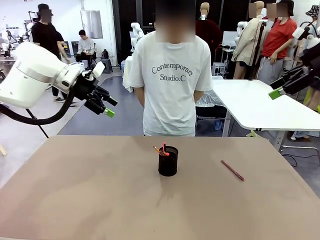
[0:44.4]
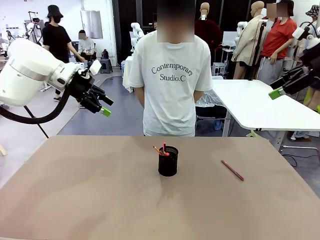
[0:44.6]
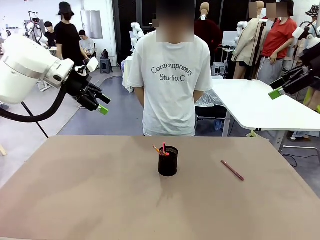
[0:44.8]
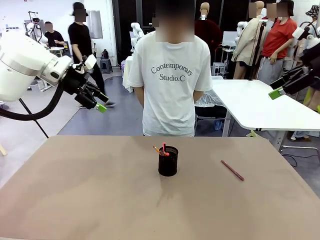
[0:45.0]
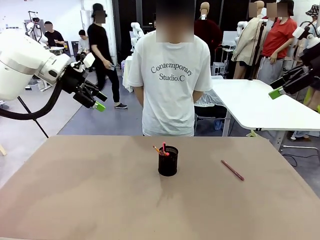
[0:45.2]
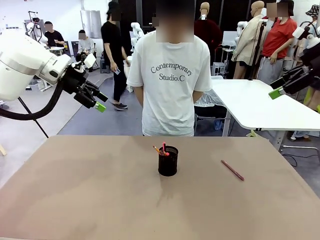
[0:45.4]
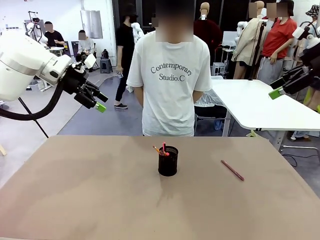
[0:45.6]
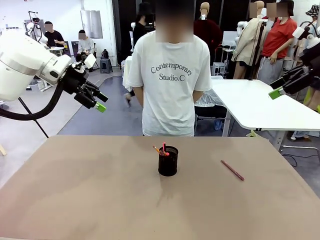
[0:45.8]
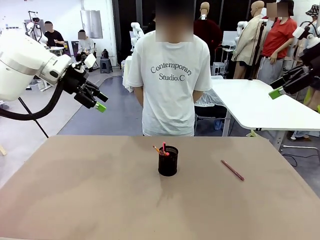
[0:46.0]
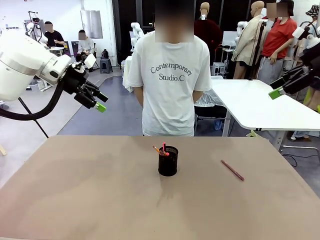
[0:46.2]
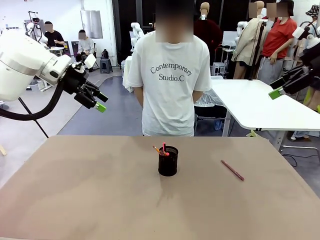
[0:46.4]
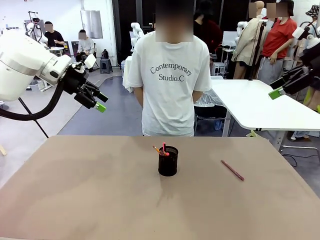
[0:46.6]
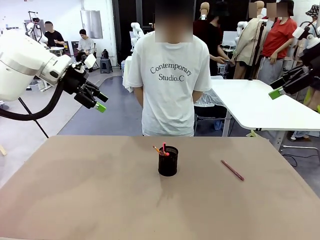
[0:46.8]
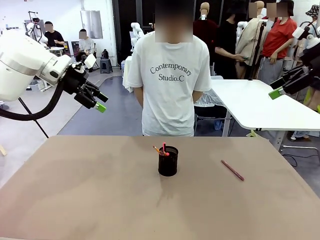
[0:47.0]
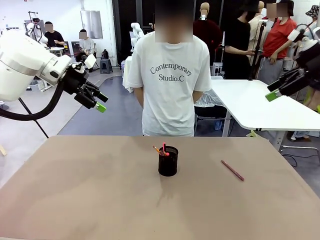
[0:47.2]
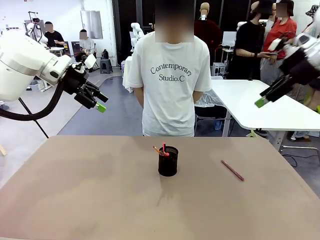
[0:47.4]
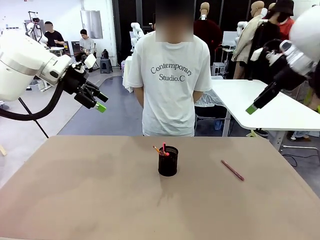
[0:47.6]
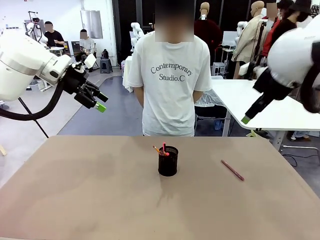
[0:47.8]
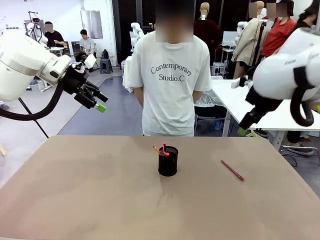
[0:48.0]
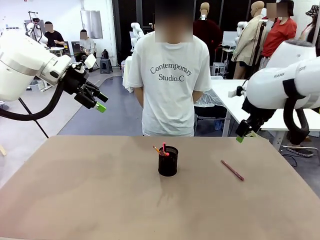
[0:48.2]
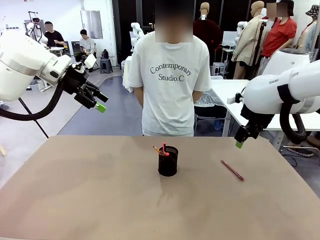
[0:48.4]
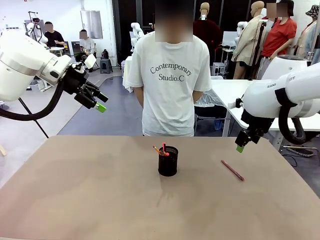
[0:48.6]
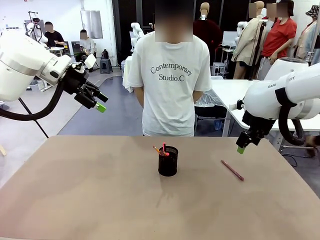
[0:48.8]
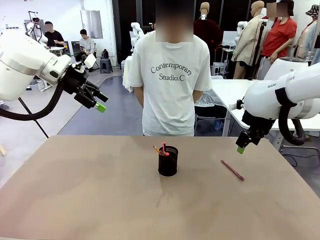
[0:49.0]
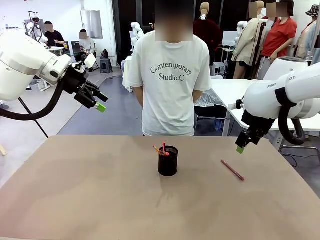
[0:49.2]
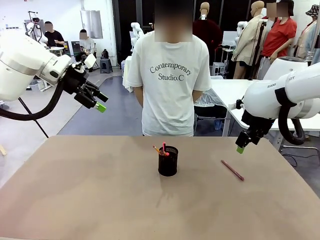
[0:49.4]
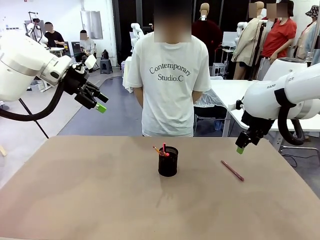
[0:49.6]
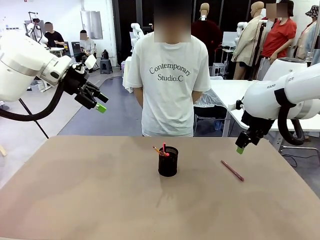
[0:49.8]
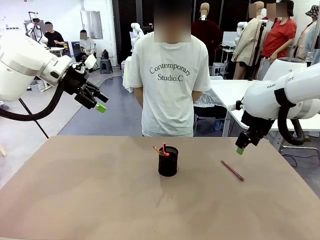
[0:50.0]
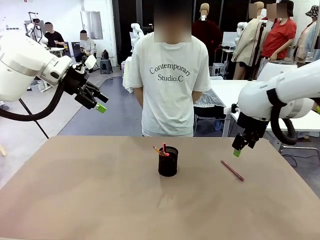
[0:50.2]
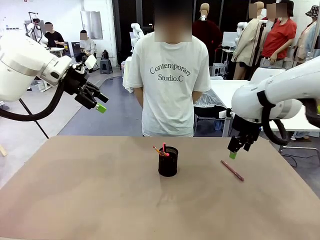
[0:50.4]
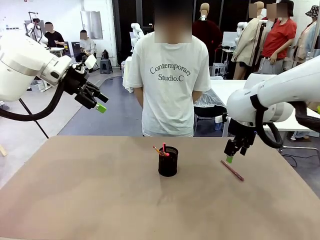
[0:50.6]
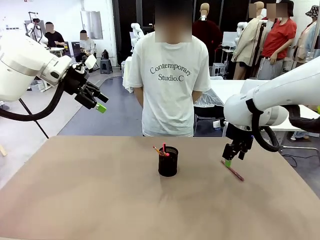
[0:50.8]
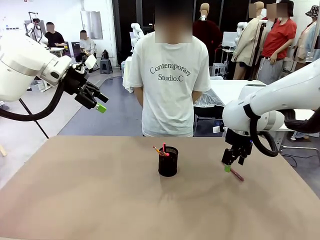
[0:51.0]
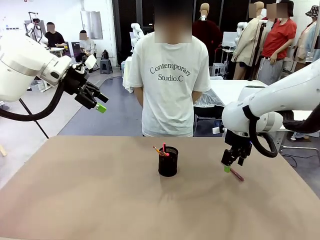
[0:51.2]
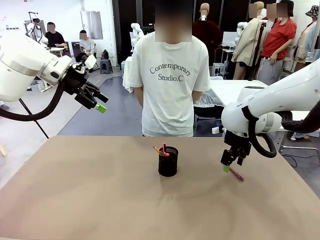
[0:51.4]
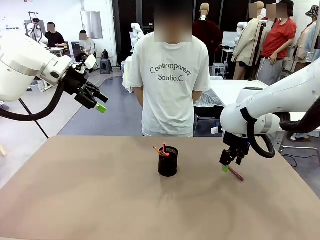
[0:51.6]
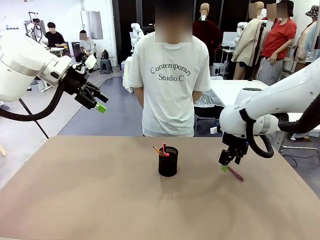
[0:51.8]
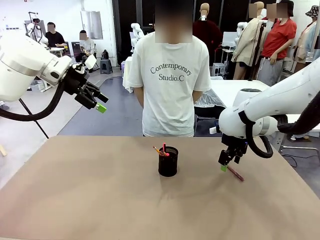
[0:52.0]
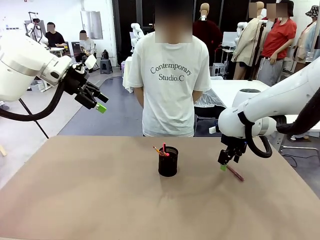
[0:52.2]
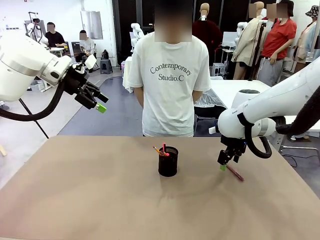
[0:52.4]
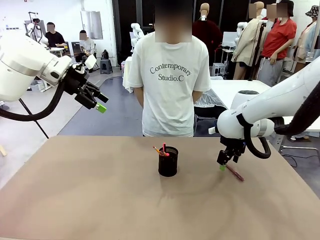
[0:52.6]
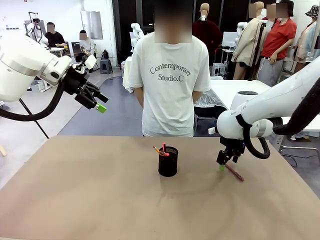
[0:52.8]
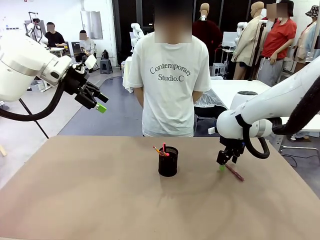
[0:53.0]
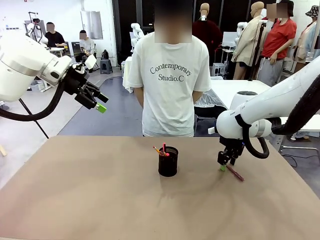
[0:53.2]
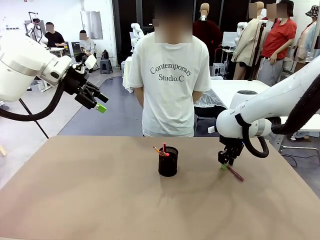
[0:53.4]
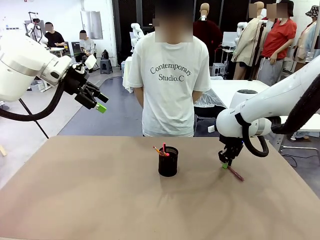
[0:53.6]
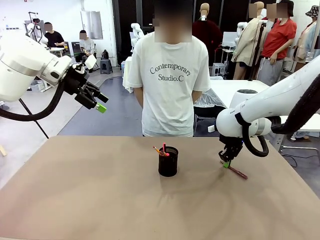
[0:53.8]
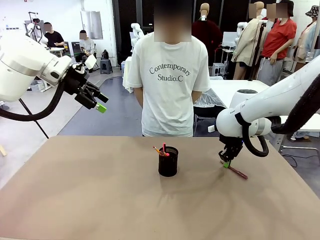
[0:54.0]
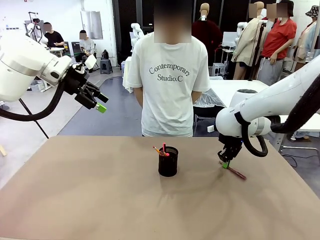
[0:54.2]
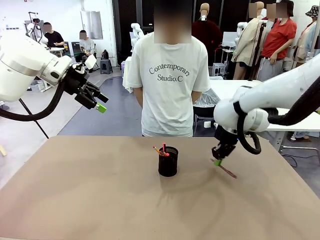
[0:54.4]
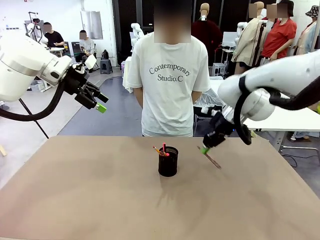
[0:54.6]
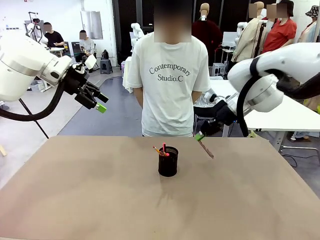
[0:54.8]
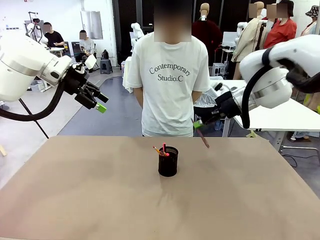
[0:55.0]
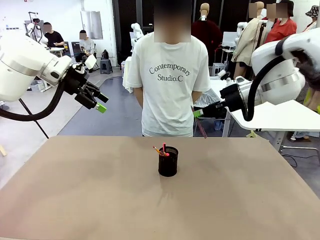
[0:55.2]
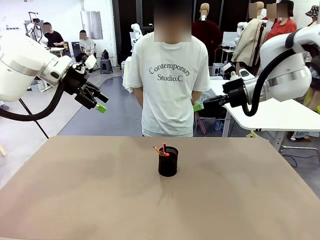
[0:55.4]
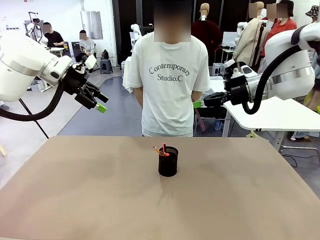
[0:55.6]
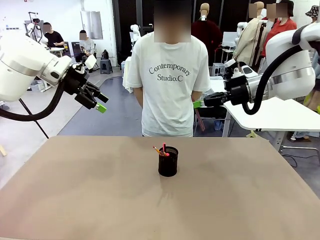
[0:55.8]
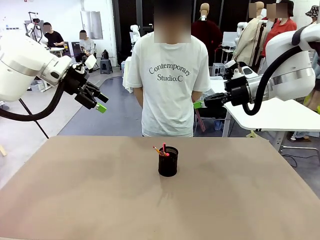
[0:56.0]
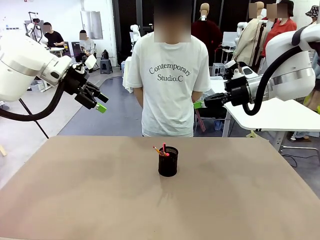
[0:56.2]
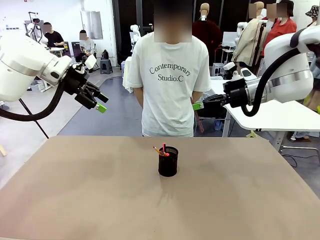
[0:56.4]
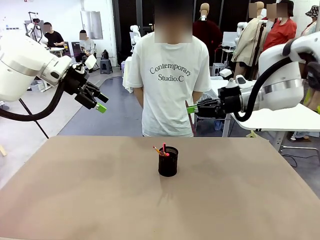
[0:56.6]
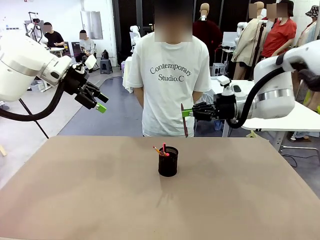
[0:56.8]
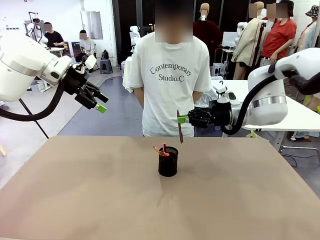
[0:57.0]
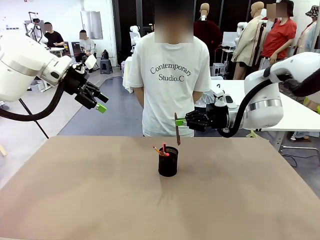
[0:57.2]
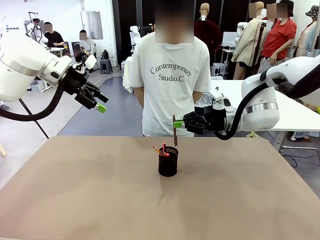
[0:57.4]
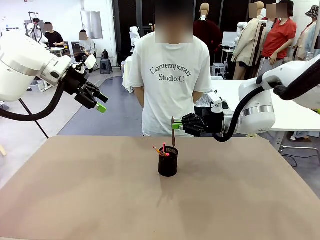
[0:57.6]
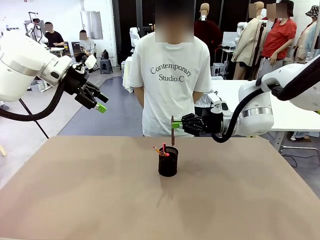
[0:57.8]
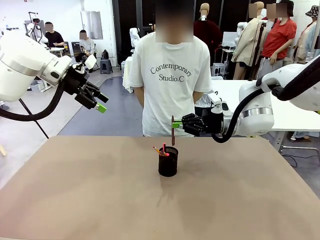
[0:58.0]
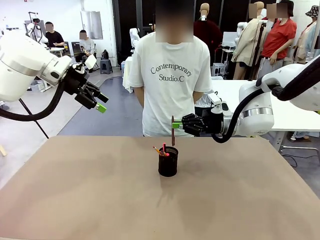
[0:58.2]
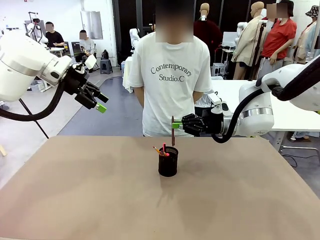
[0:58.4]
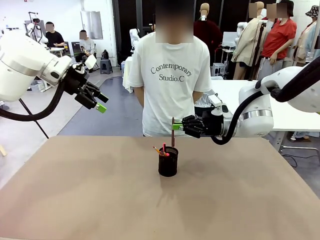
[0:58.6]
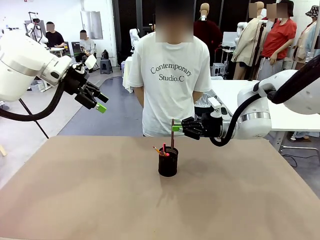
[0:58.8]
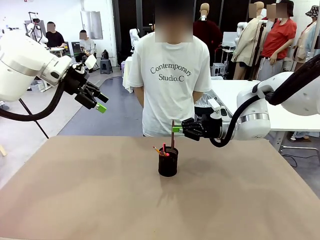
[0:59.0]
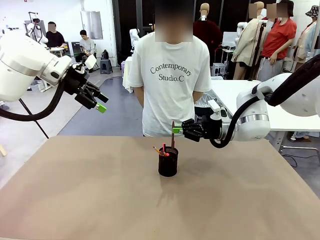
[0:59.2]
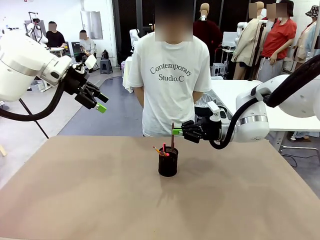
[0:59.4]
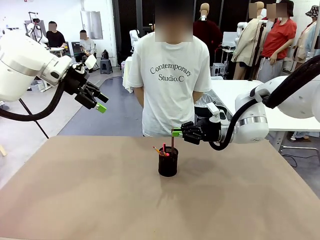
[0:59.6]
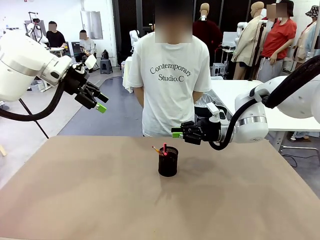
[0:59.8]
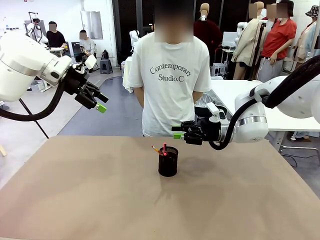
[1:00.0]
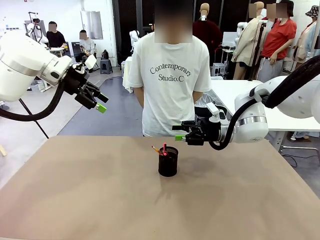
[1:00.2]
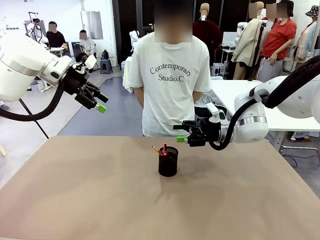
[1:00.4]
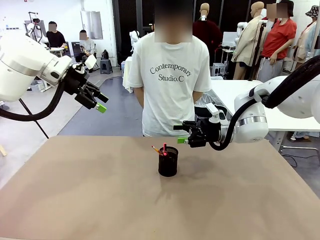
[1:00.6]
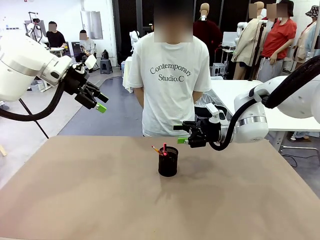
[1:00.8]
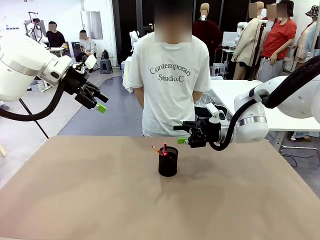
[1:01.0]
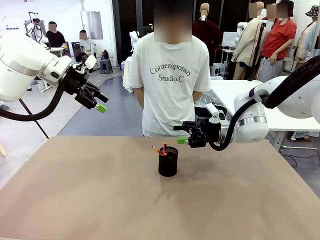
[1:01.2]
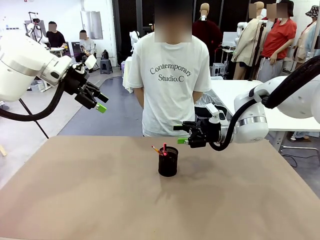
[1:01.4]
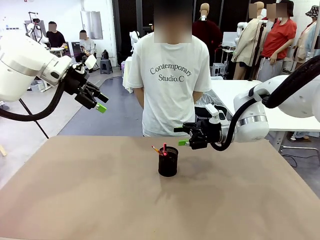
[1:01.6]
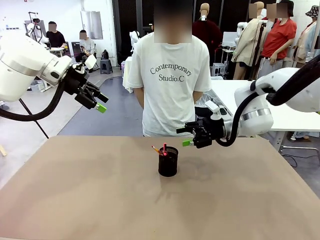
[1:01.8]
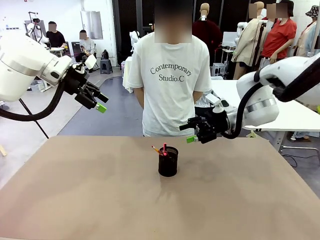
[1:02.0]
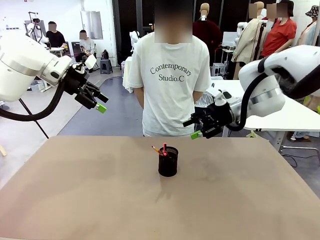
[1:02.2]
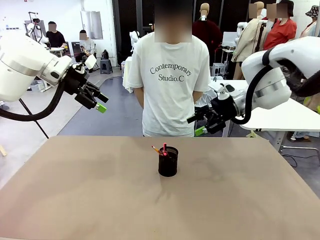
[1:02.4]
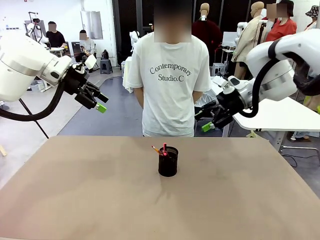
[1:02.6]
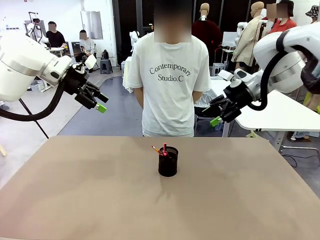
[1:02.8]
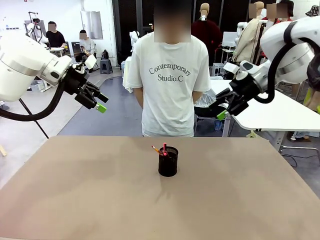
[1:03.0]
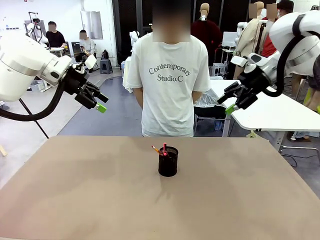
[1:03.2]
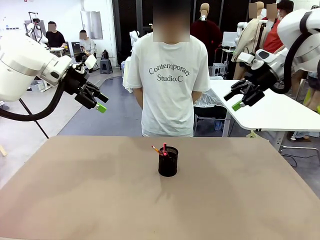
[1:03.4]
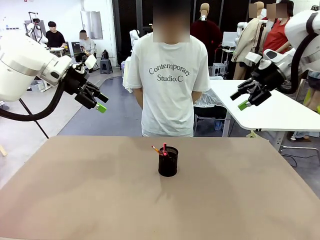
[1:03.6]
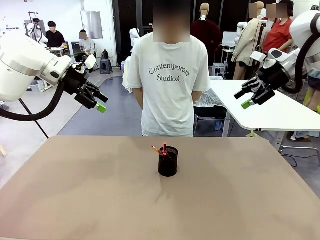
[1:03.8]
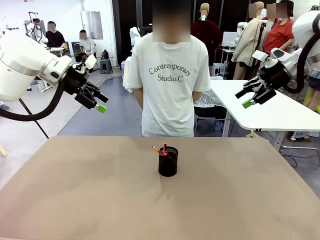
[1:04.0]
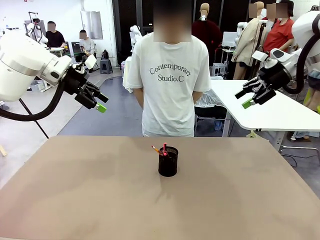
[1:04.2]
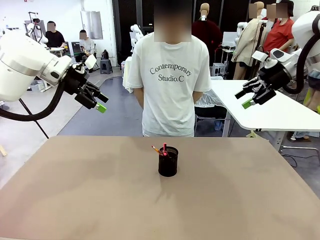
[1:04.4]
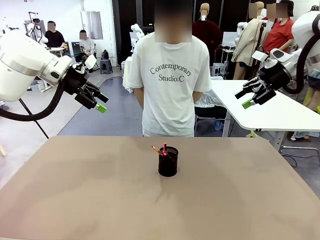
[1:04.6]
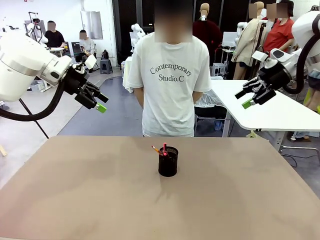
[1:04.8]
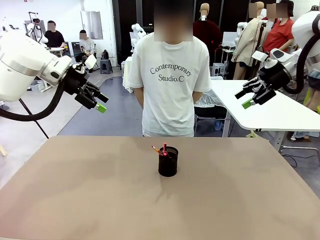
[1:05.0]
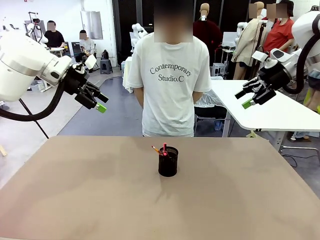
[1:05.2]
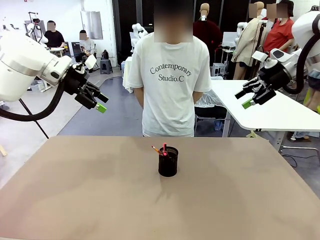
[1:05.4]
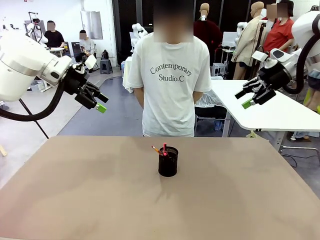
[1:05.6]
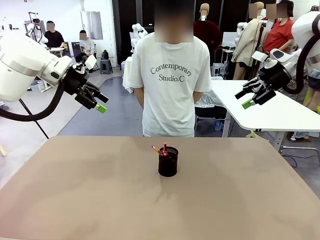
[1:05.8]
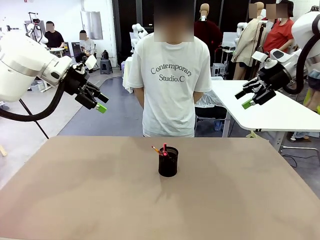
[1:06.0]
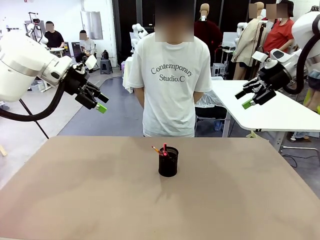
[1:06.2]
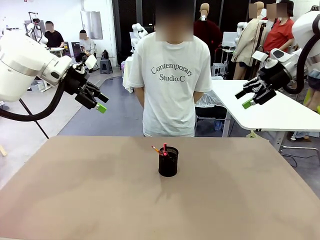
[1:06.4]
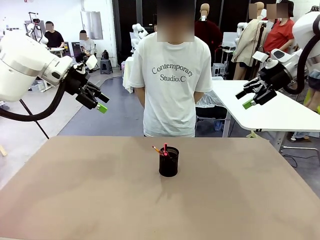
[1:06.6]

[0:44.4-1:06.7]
Task: Place the pens into the pen holder.
Robot: Pick up a writing instrument from the table and place it into the Pen holder.
